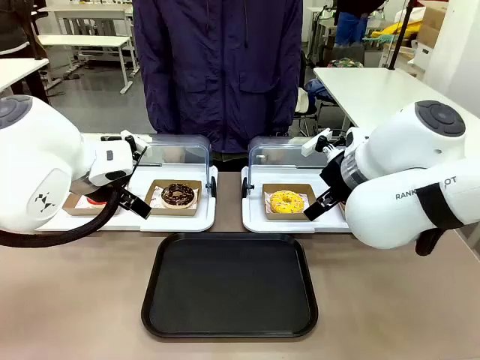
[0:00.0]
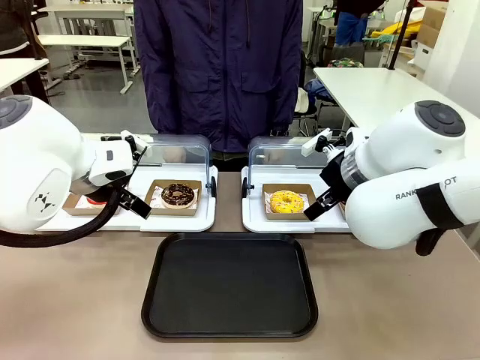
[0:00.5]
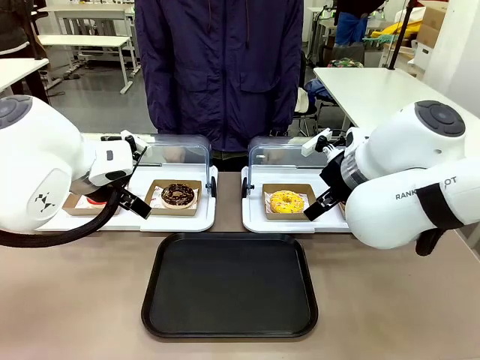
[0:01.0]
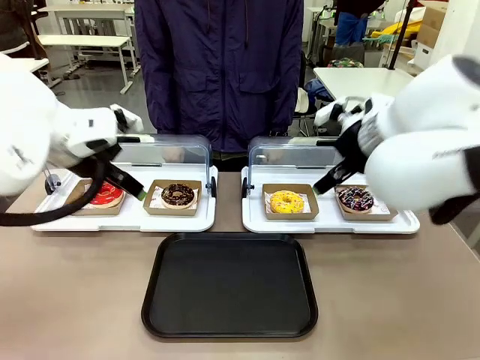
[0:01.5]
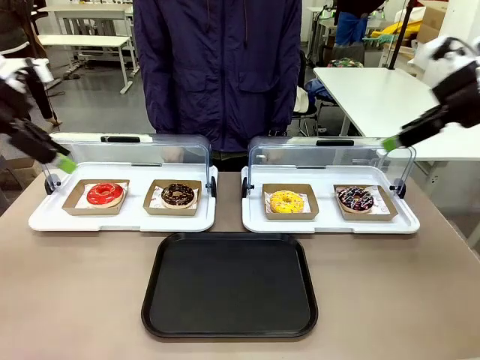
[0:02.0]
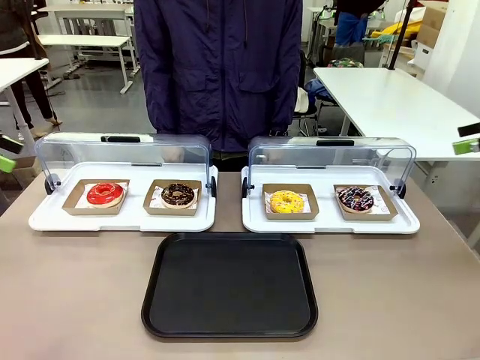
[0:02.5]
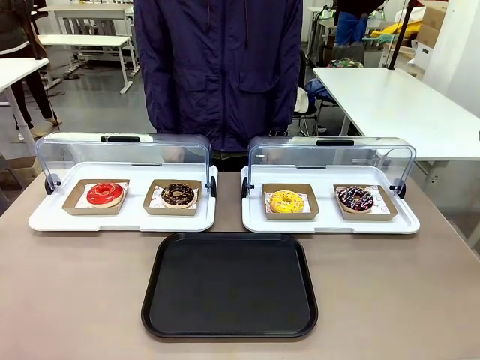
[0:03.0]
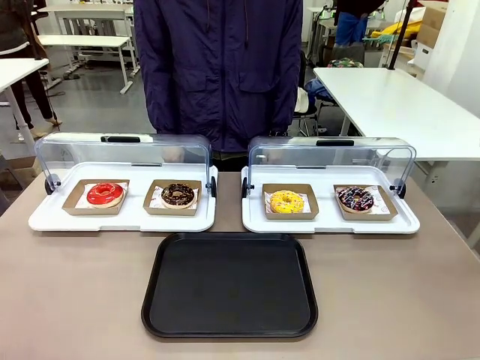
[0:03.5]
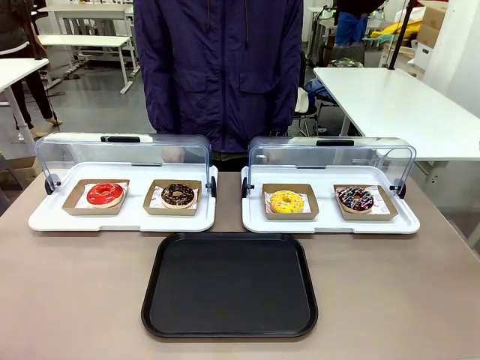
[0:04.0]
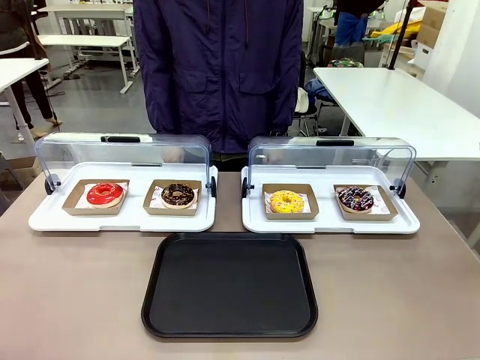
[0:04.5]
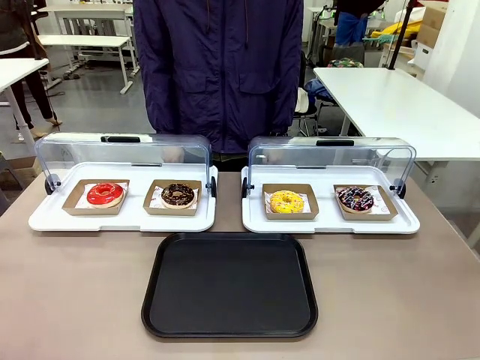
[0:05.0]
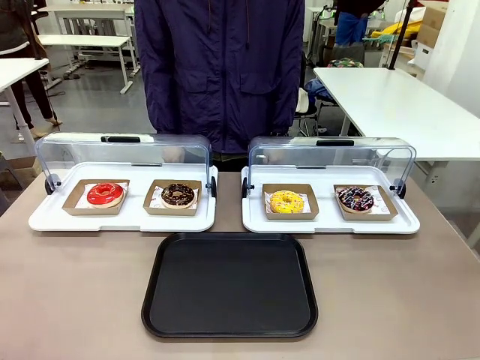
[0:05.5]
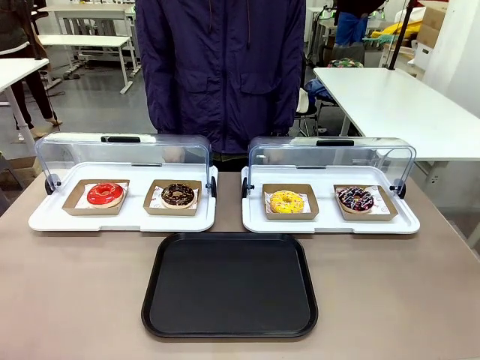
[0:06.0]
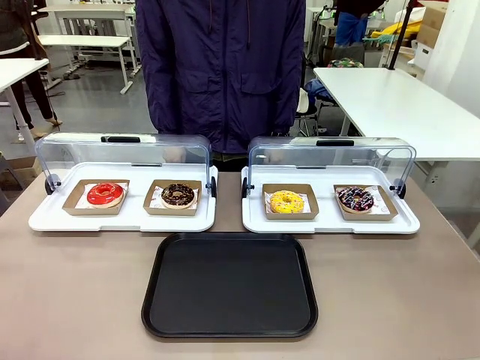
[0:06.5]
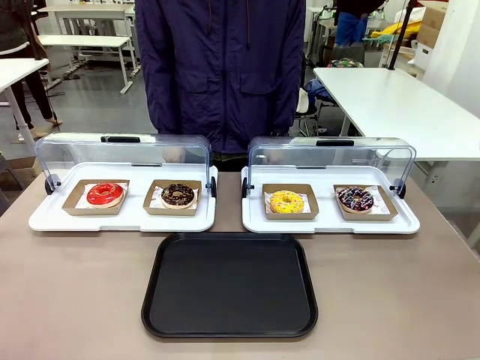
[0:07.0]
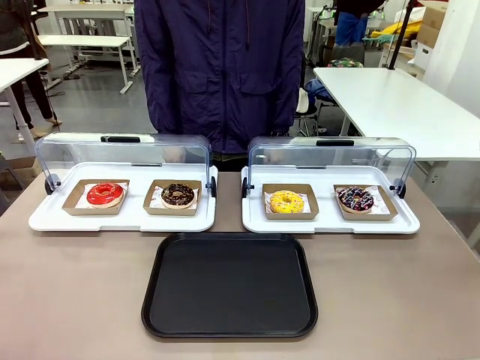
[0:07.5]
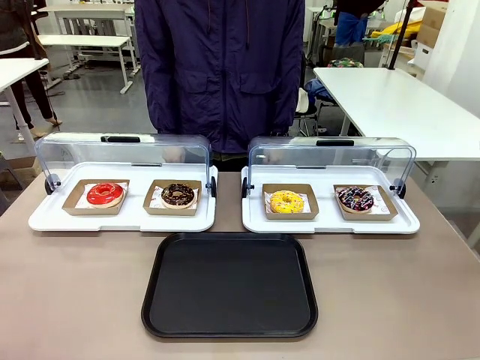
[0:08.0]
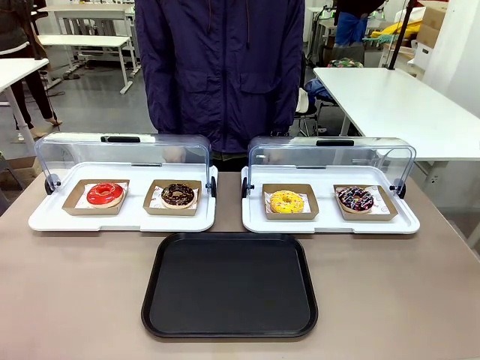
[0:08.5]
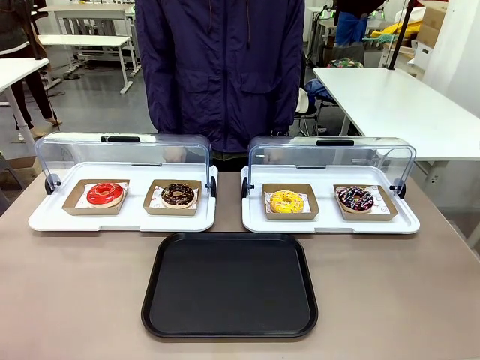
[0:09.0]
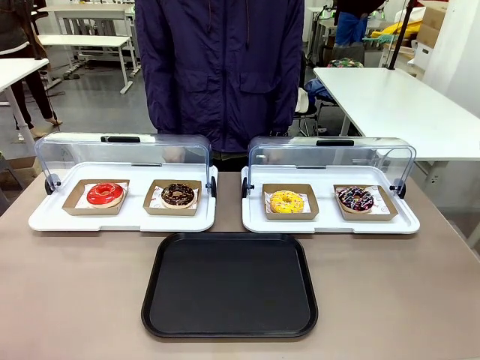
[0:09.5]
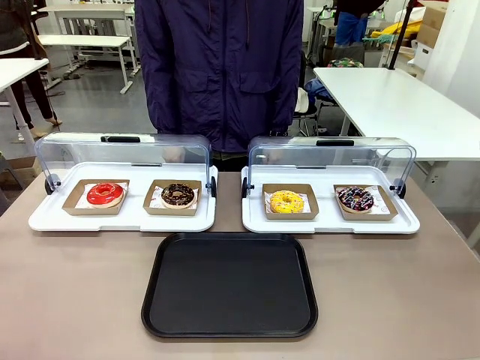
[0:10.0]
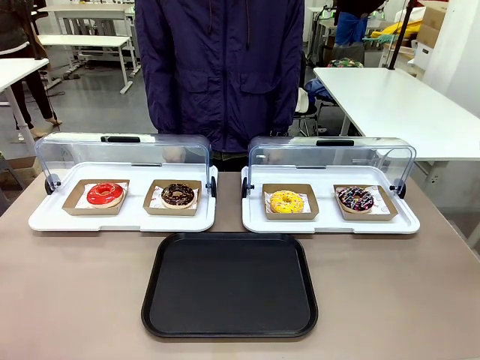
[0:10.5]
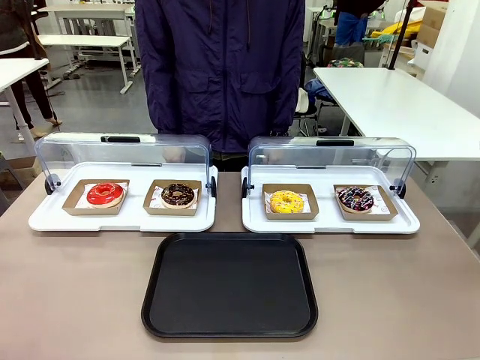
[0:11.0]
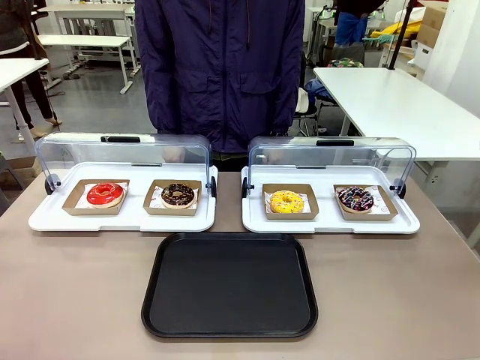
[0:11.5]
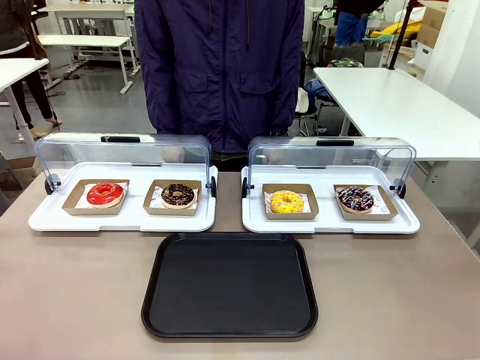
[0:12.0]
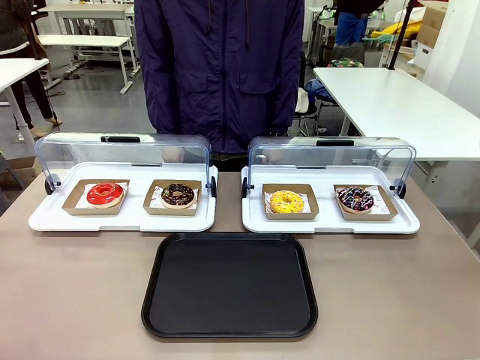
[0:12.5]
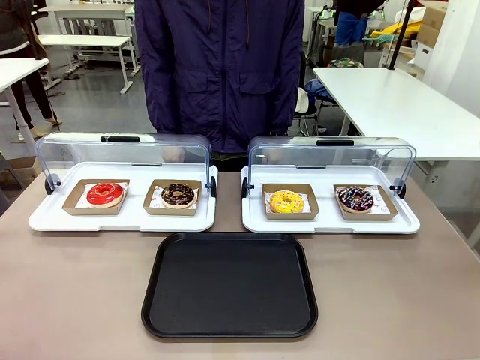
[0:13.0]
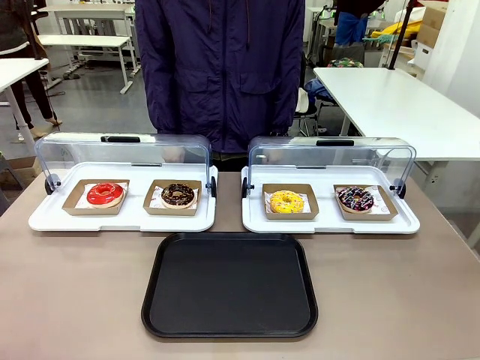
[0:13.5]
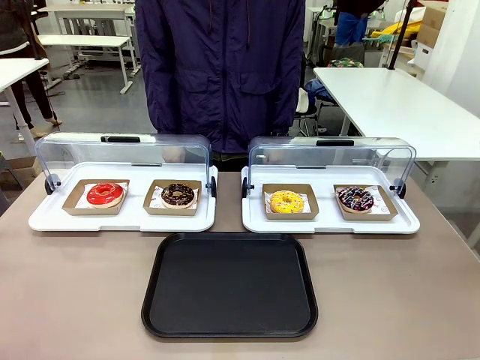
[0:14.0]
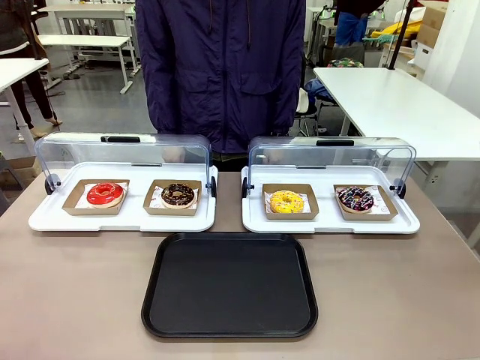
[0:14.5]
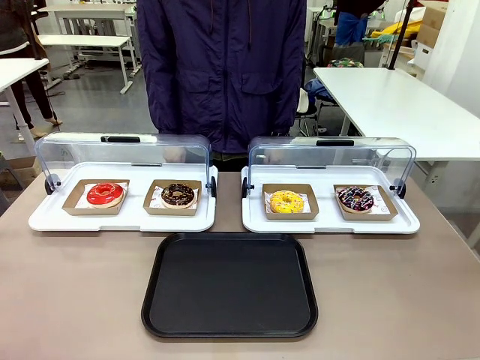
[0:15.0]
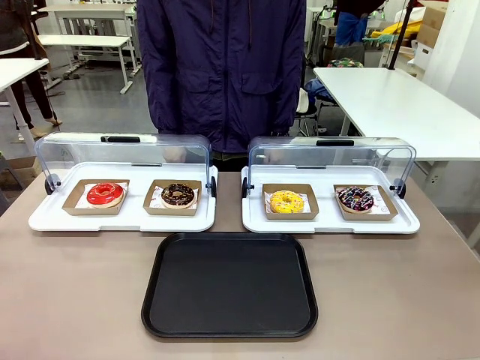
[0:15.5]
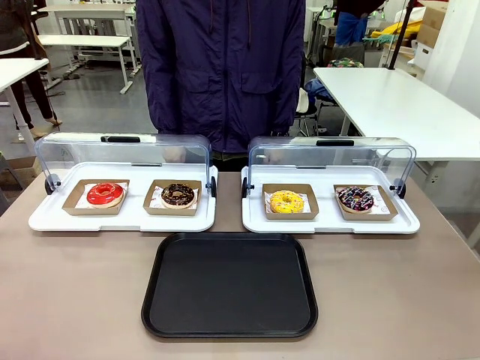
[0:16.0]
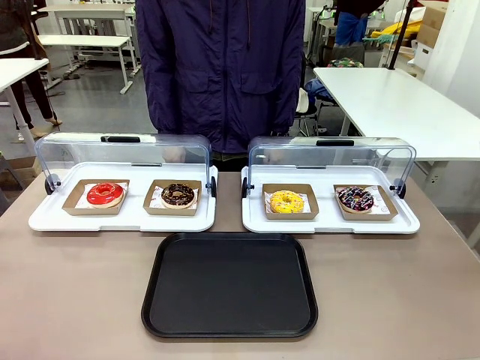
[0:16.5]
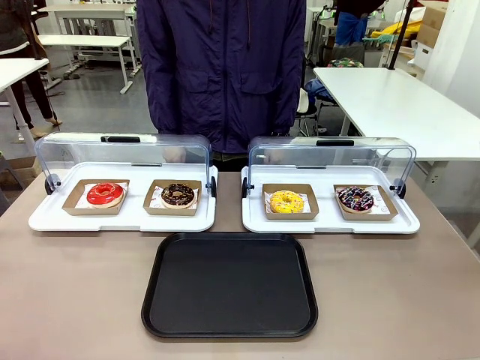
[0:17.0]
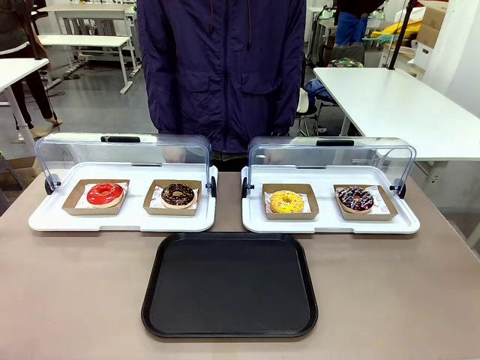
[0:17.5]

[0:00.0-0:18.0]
Task: Move the third donut from the left to the tray.
Robot: Pick up the Paper togo box containing the Donut indicated by the person and place it on the Handle tray.

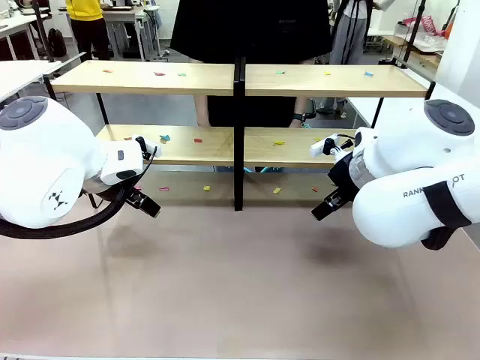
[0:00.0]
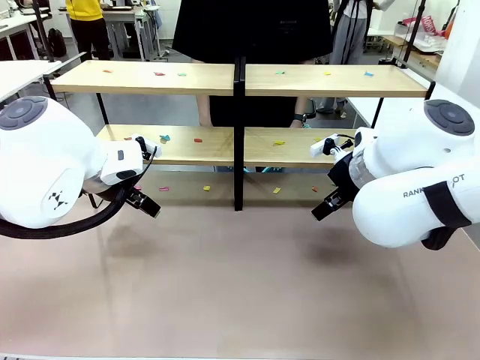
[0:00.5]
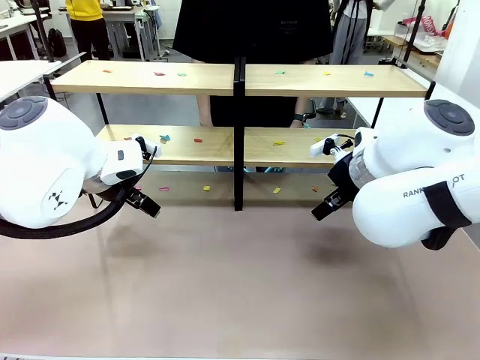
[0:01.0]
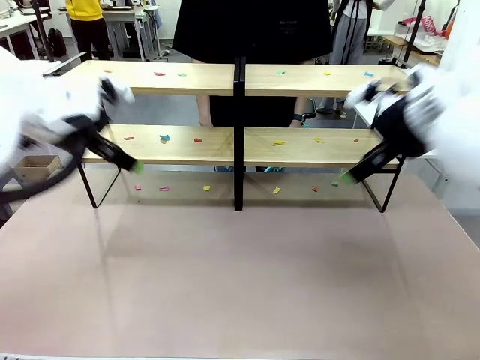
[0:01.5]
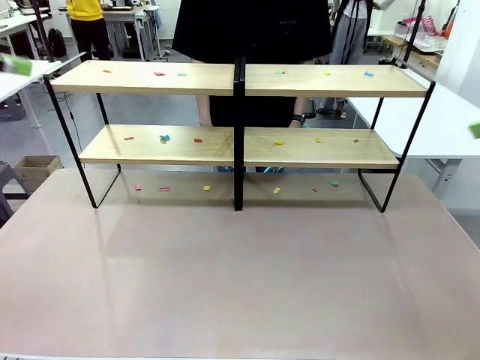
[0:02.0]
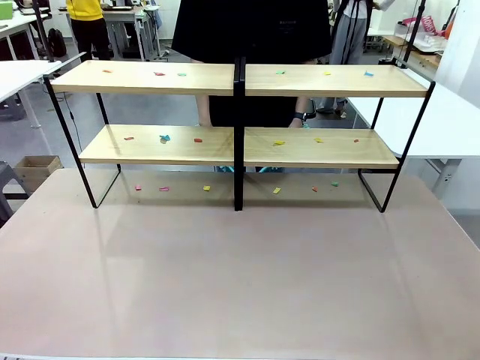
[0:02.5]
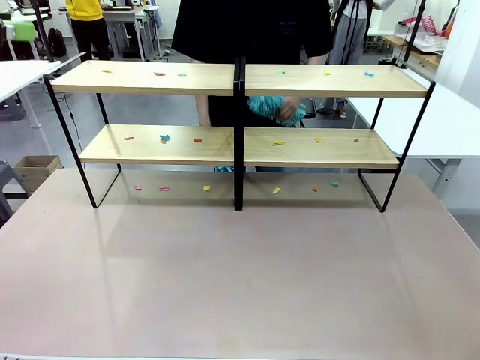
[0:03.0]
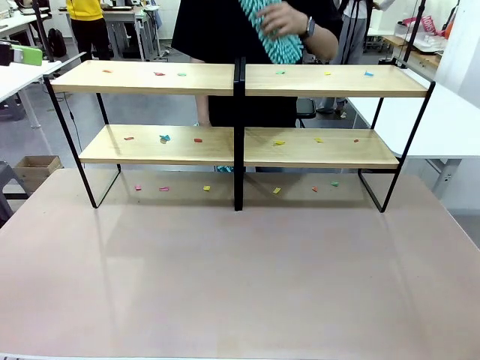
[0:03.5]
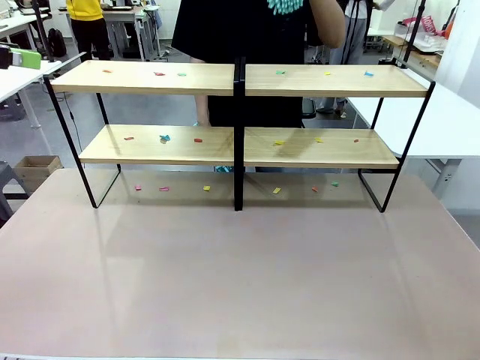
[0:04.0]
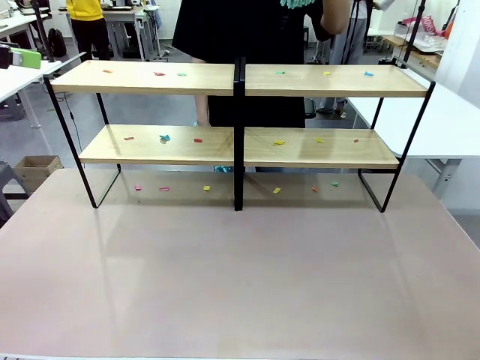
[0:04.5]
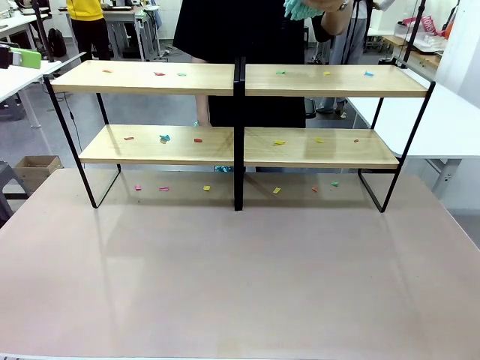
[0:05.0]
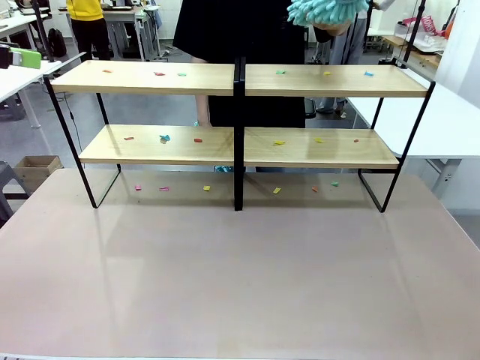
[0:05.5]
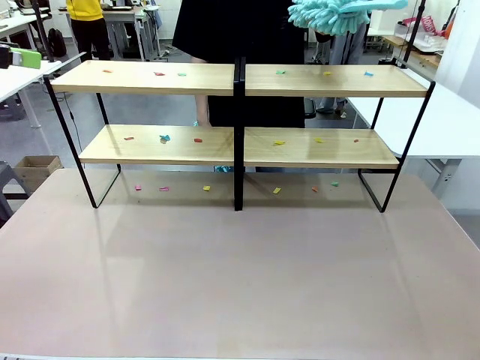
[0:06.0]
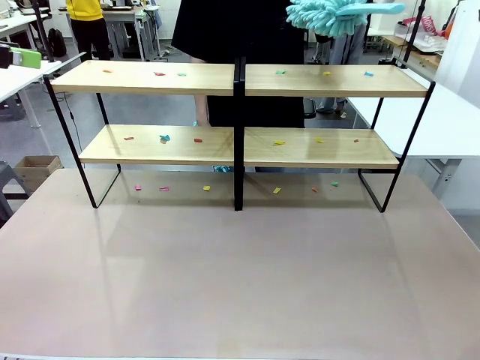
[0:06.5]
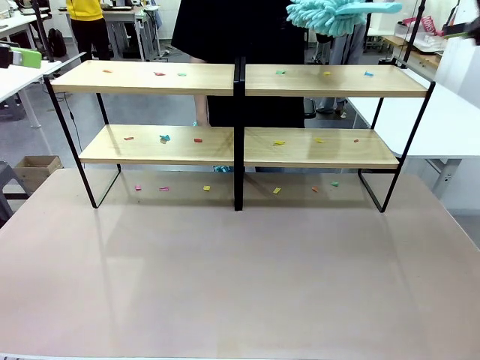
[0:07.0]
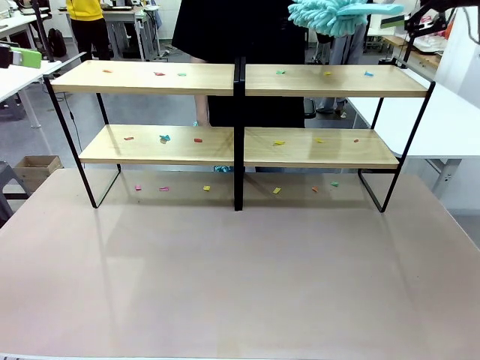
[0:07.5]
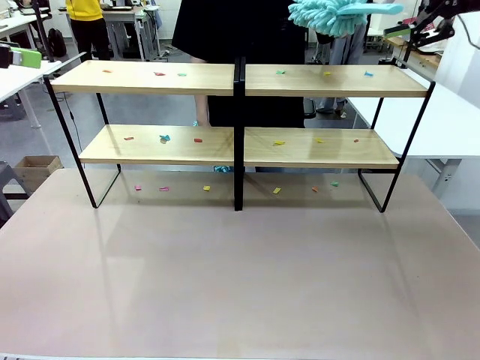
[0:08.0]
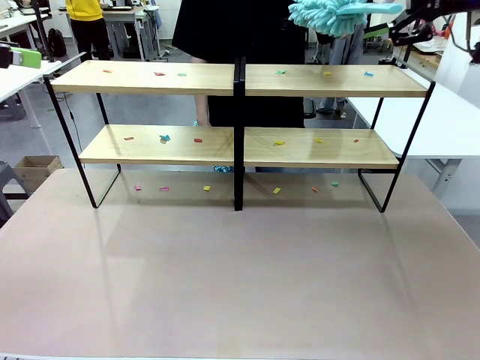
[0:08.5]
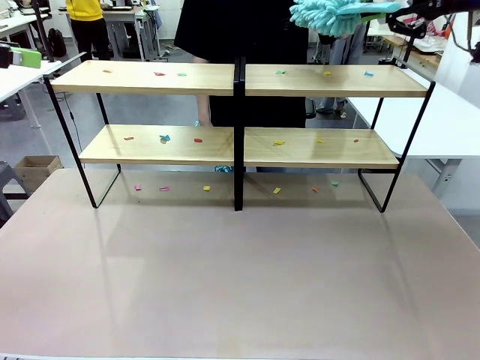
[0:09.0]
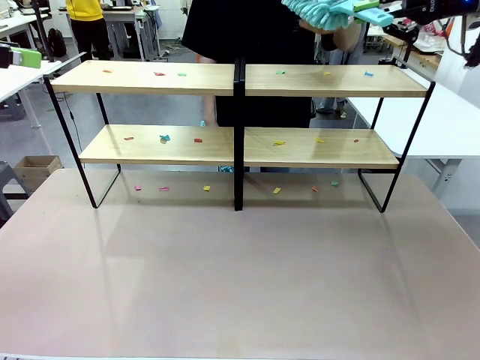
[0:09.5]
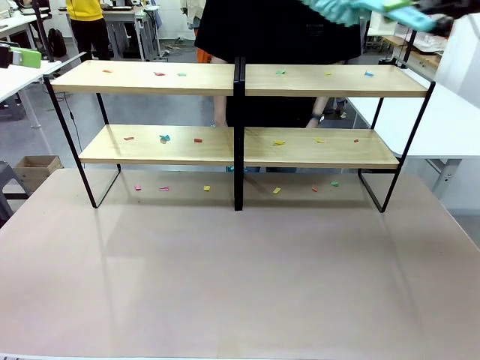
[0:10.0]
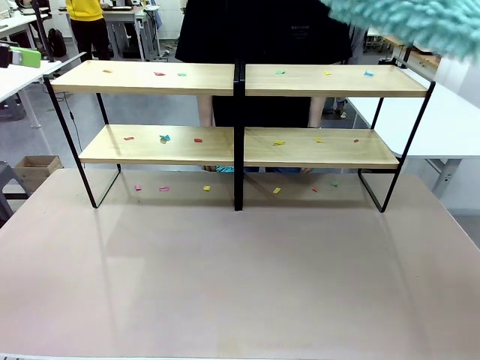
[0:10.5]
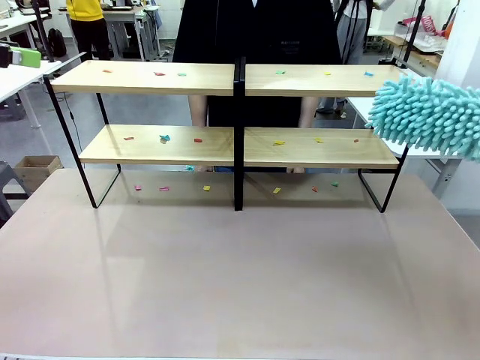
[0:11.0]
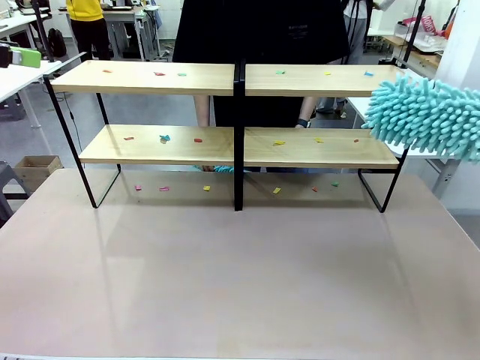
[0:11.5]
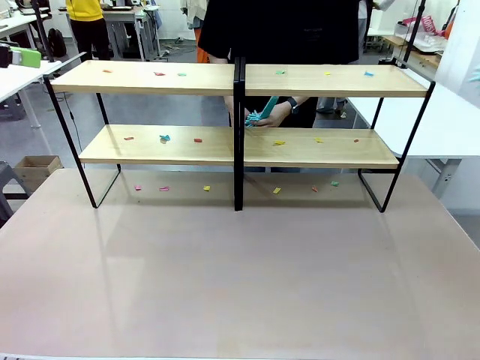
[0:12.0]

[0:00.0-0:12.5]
Task: Clean the shelves.
Robot: Pick up the Duster when the human hands it over.
Person: Hand the Duster to the robot with your right (or left) hand.
